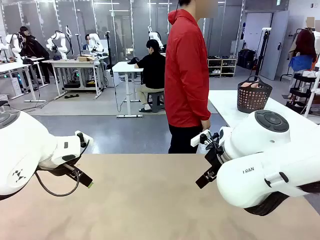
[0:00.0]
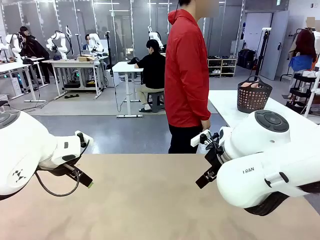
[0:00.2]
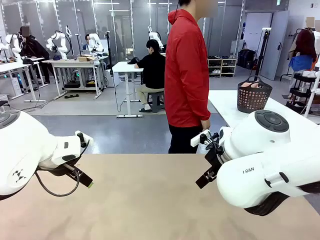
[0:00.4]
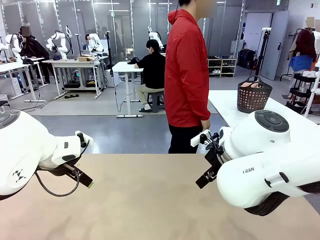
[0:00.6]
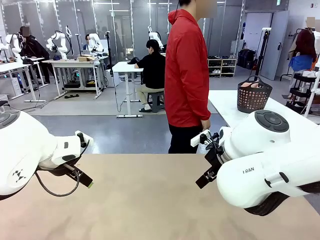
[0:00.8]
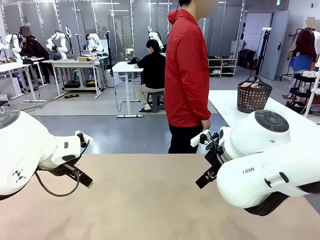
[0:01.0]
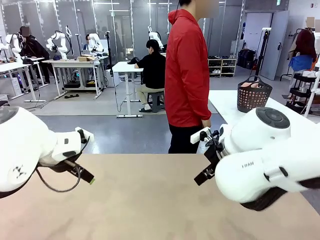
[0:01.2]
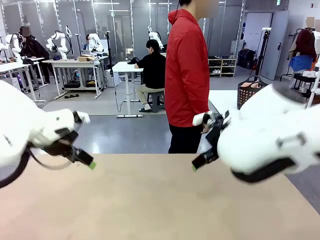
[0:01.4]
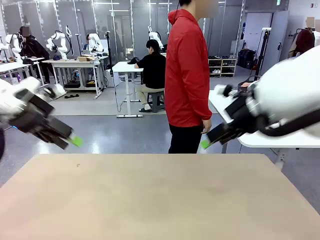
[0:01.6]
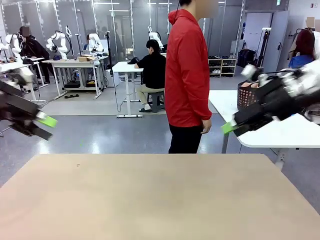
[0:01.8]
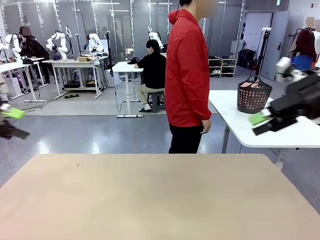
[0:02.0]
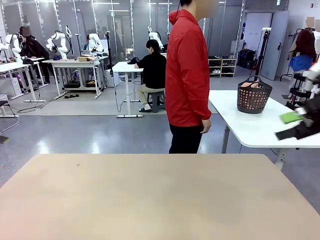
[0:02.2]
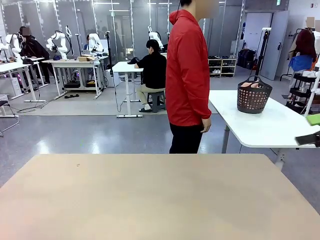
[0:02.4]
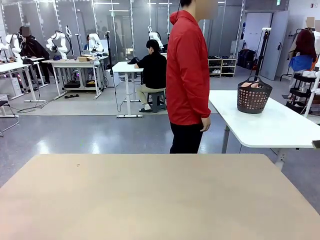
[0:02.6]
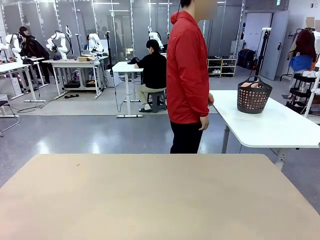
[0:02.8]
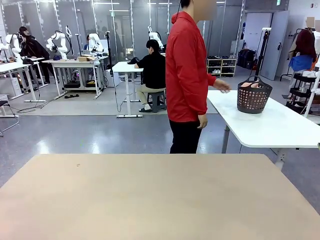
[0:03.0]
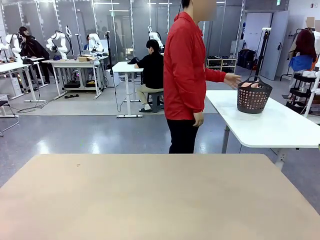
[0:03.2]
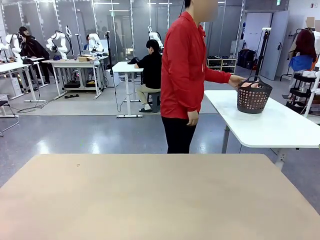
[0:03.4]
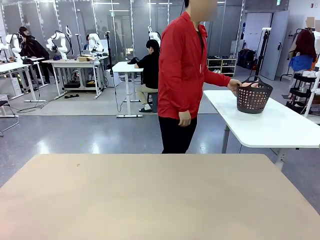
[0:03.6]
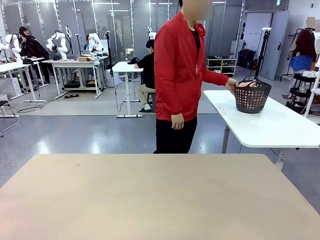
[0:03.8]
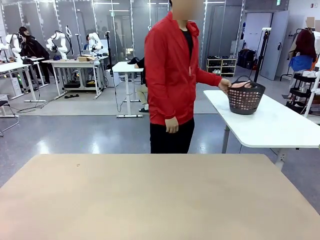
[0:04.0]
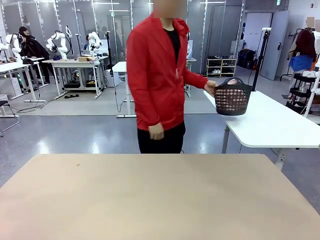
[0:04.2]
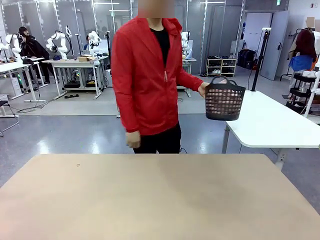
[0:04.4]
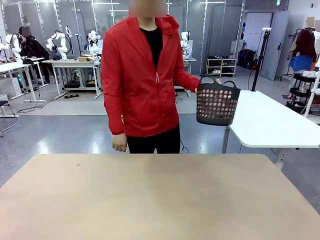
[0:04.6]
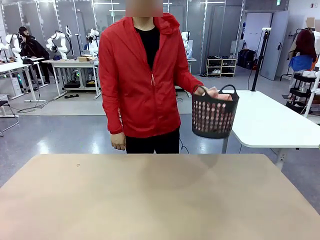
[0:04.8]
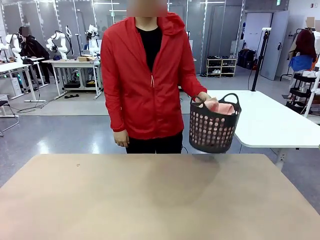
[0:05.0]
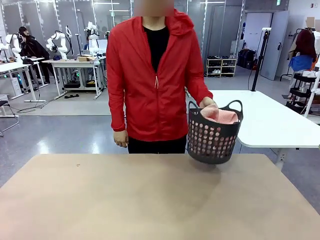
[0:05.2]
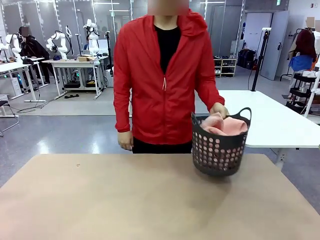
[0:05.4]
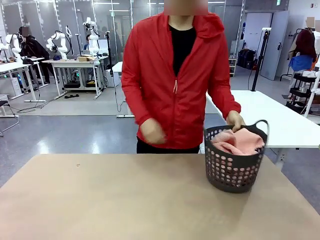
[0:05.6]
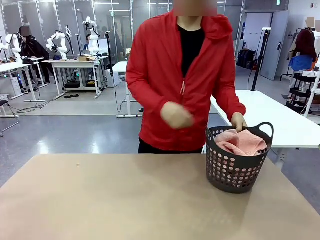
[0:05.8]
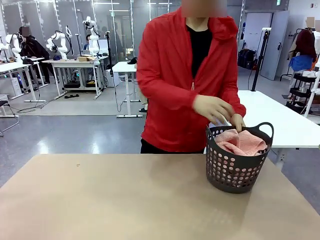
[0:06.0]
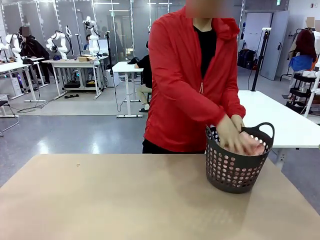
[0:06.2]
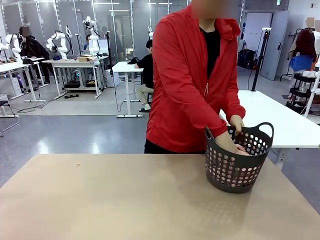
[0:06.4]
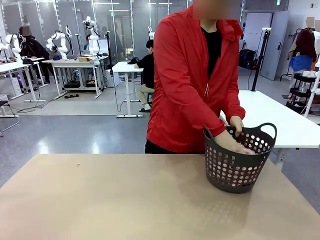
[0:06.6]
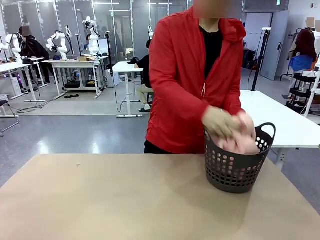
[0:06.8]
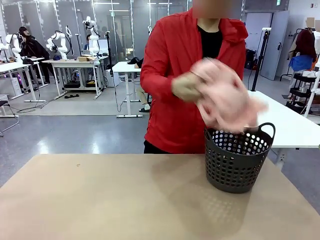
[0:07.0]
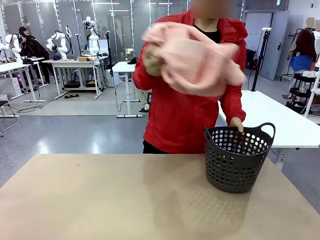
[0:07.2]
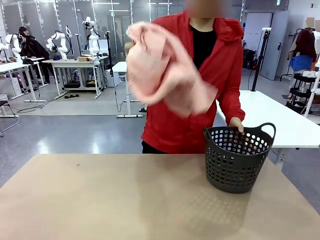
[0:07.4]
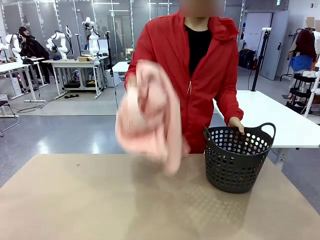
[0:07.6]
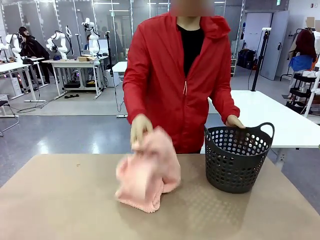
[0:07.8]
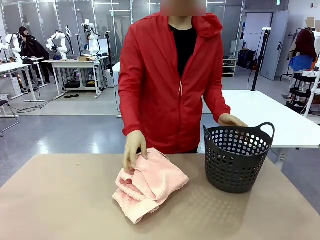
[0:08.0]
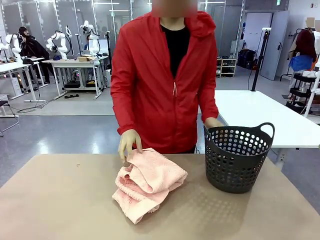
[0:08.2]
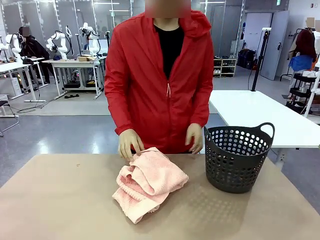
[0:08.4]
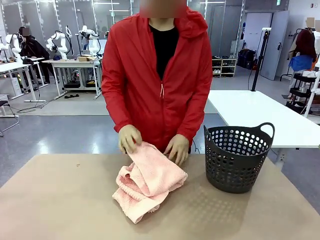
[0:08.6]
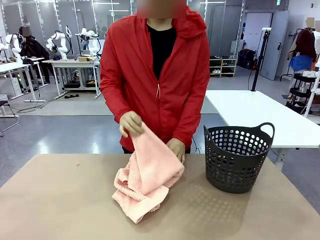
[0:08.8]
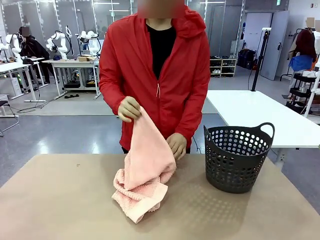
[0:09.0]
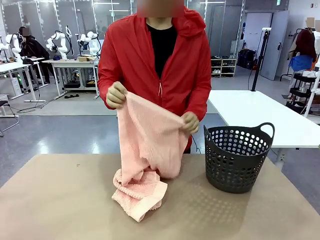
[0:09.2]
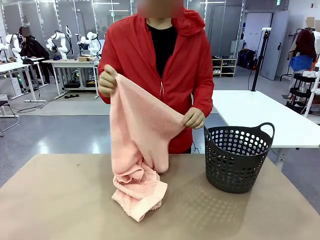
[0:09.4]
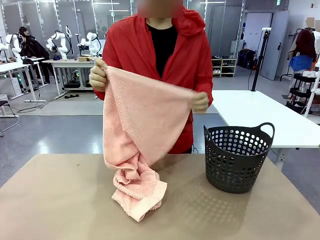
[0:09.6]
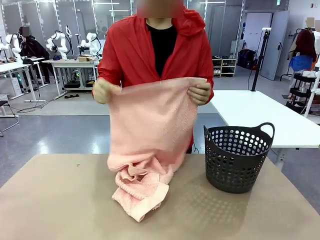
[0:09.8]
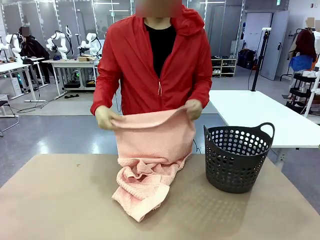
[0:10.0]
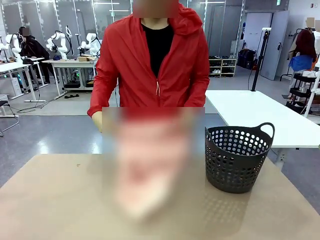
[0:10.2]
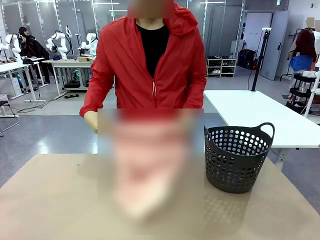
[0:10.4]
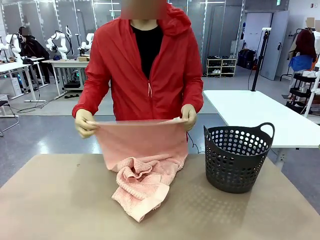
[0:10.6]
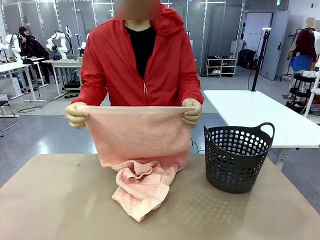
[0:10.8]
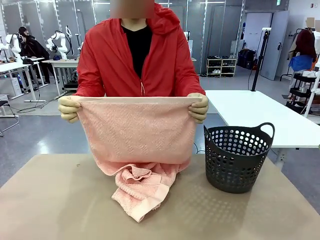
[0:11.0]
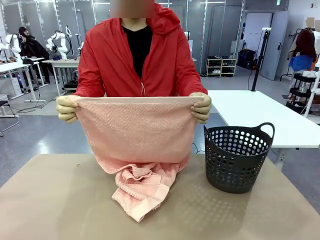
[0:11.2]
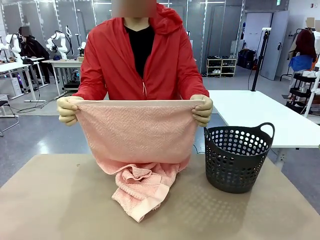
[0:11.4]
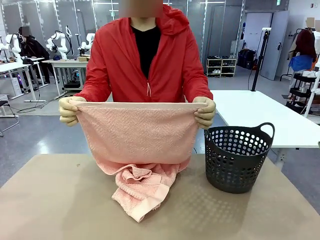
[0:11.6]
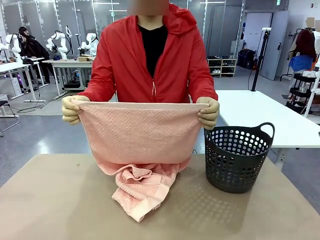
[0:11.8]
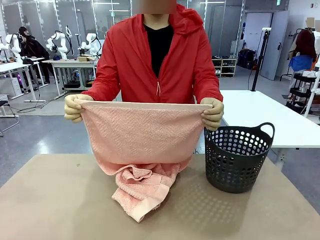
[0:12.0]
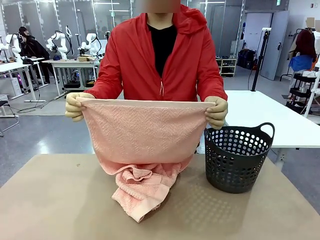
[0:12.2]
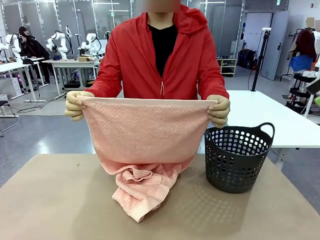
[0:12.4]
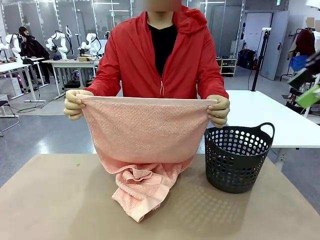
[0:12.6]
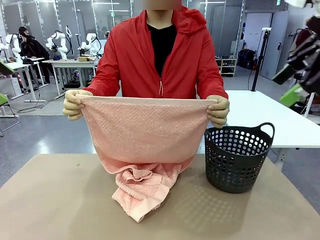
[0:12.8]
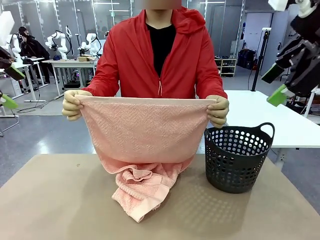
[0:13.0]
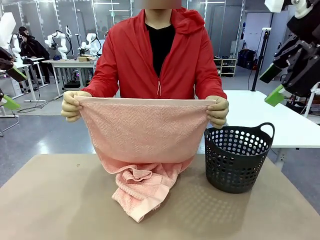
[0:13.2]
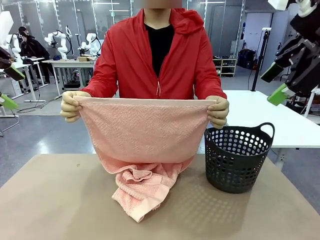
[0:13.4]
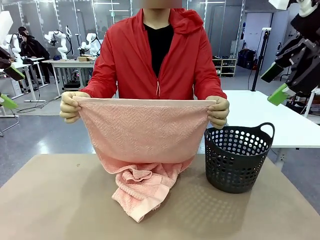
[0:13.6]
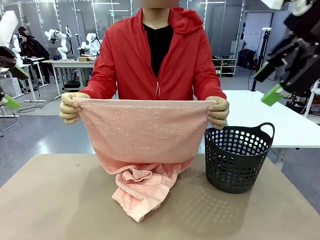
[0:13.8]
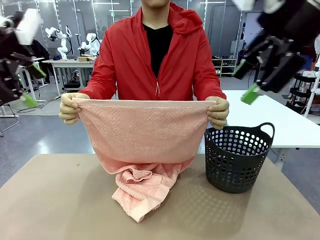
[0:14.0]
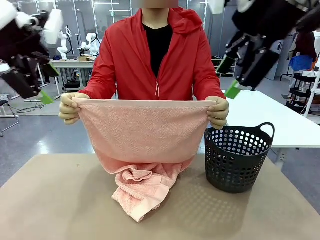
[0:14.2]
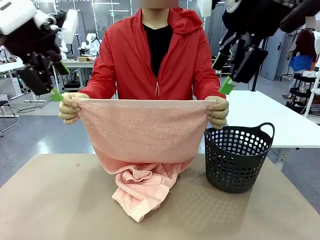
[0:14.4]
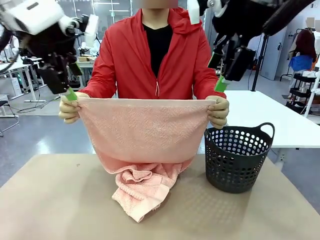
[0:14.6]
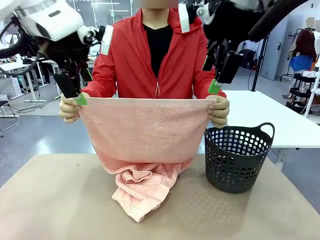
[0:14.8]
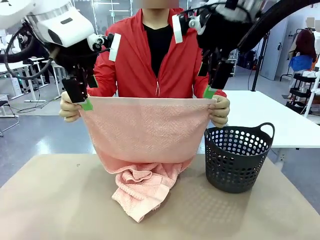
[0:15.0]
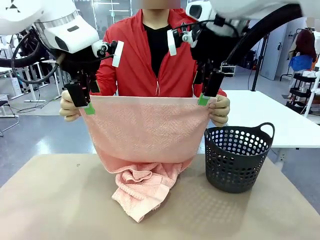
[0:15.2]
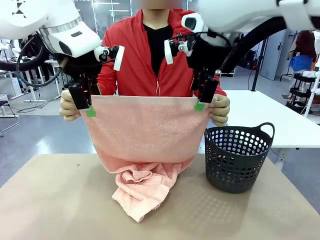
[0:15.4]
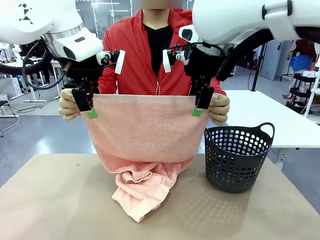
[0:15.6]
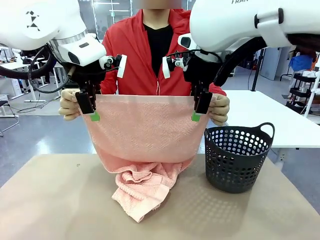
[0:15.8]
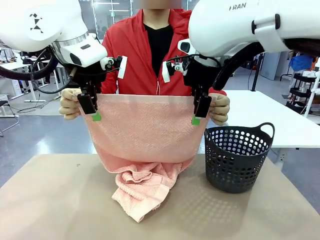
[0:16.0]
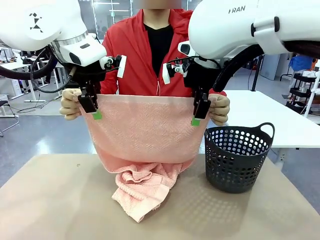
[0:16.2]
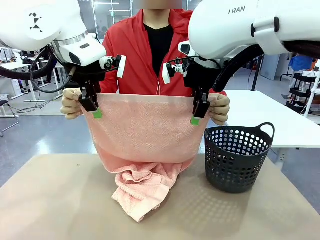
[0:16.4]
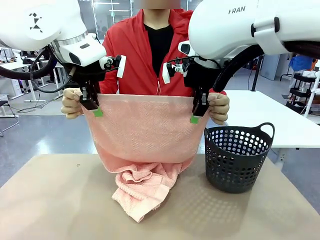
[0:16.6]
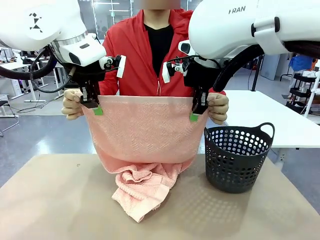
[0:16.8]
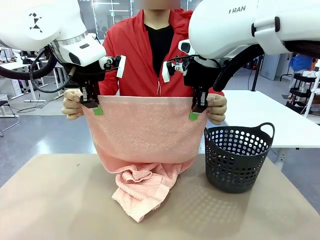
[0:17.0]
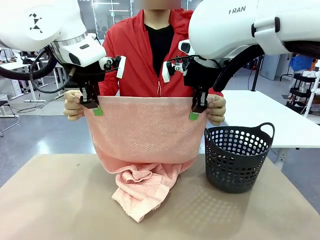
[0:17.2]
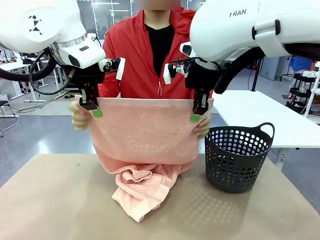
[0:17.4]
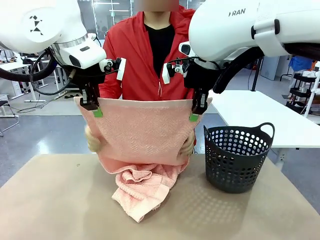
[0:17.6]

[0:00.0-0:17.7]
Task: Fold the towel.
Robot: Grab the top end of the 100 cm Hotel Towel extended by the human.
Person: Pick up the laundry basket, place it on the left side of the robot table, then take out a towel and hand it to the robot while holding both corners of one end.
